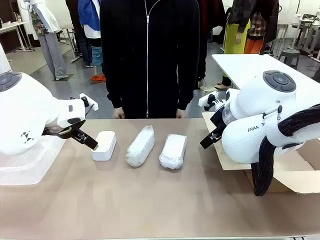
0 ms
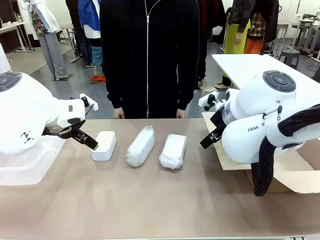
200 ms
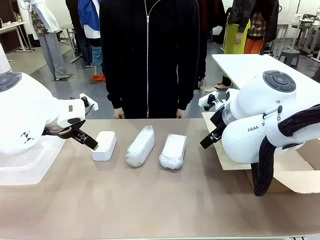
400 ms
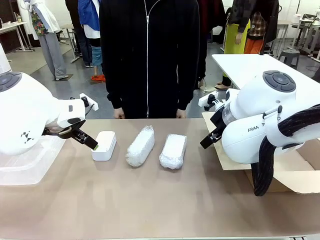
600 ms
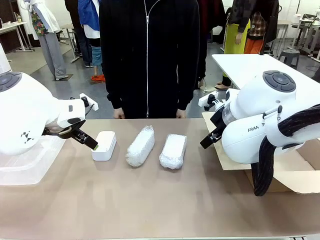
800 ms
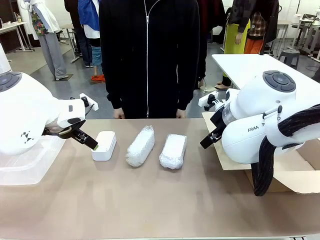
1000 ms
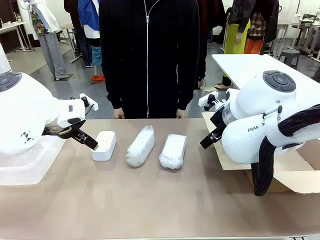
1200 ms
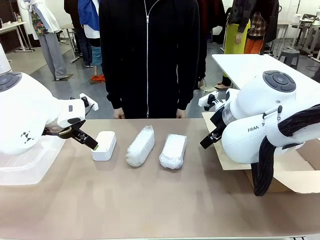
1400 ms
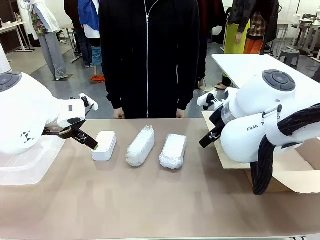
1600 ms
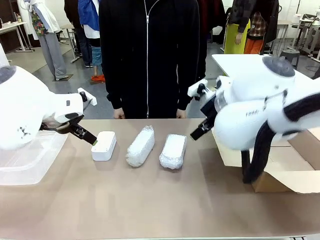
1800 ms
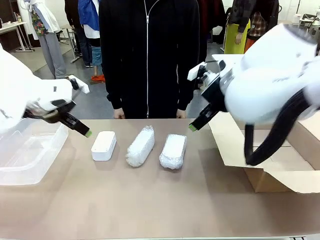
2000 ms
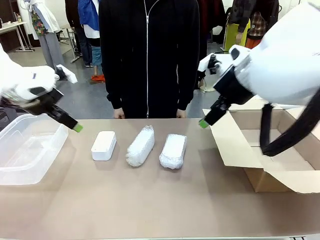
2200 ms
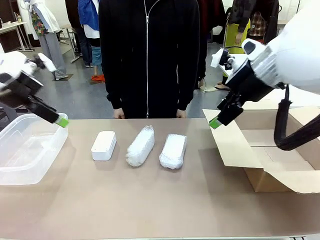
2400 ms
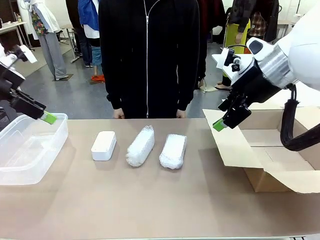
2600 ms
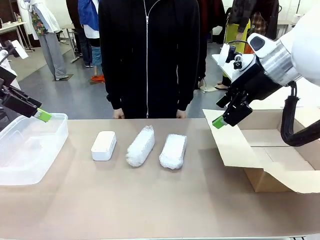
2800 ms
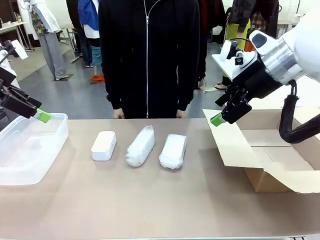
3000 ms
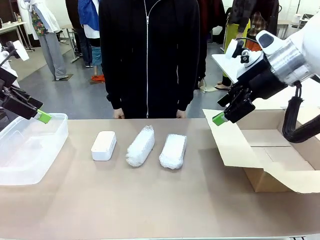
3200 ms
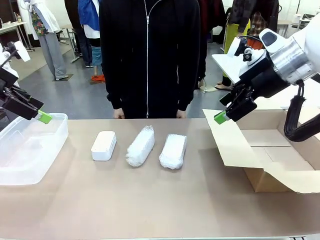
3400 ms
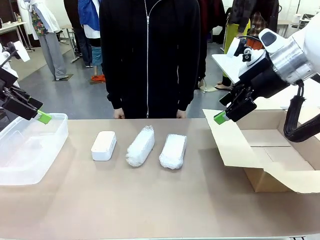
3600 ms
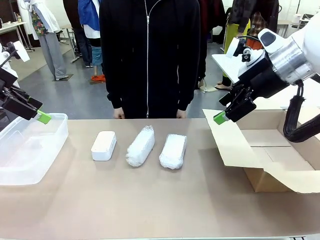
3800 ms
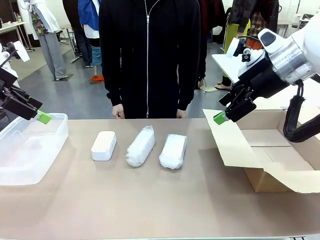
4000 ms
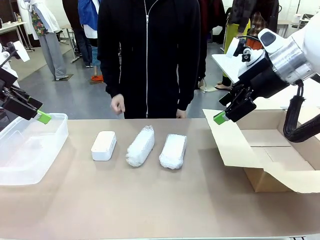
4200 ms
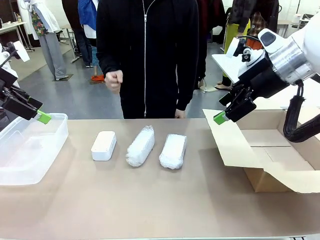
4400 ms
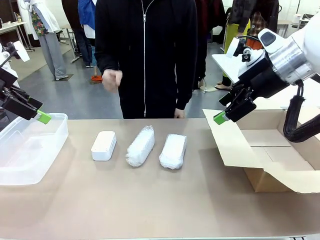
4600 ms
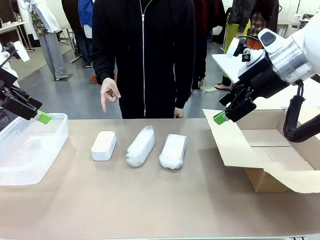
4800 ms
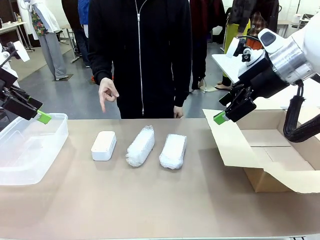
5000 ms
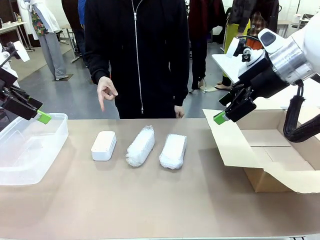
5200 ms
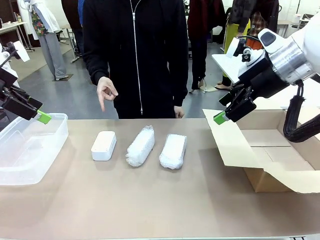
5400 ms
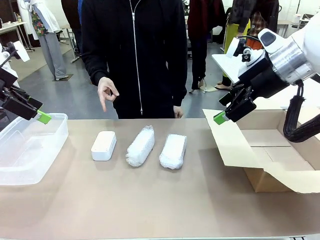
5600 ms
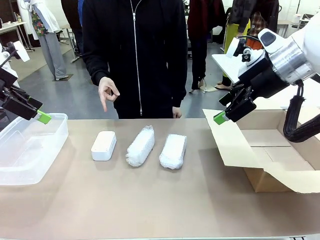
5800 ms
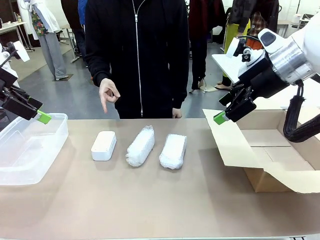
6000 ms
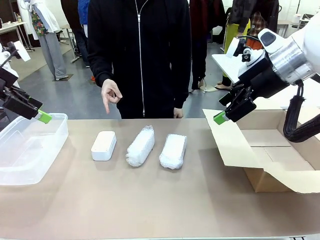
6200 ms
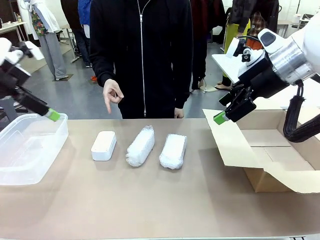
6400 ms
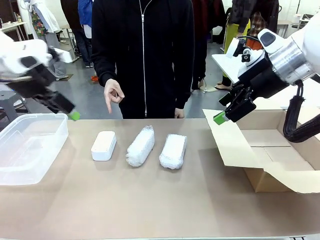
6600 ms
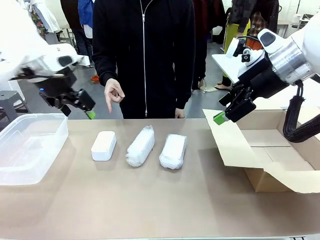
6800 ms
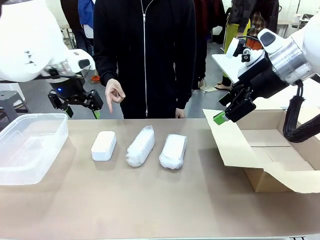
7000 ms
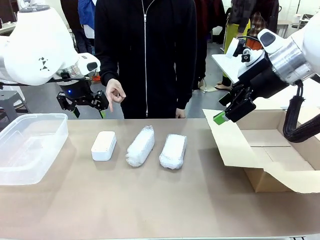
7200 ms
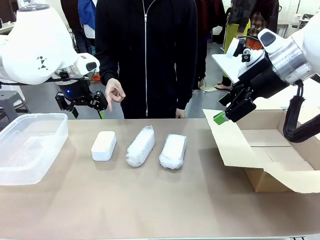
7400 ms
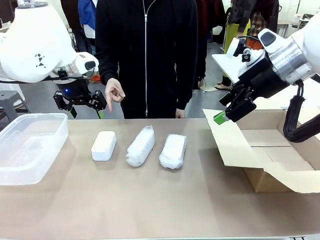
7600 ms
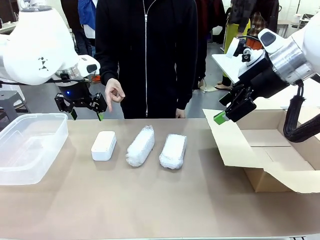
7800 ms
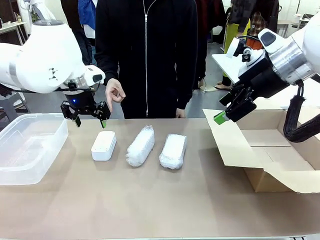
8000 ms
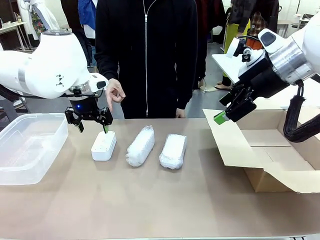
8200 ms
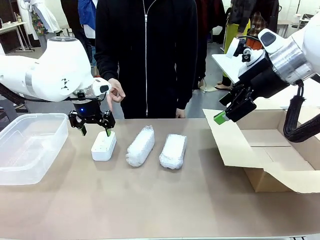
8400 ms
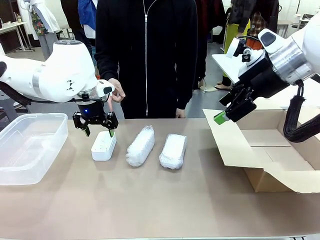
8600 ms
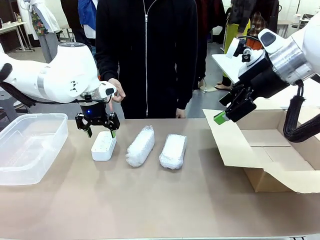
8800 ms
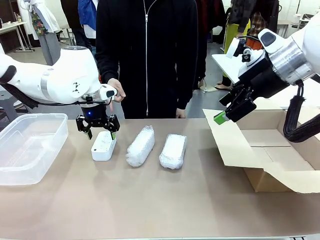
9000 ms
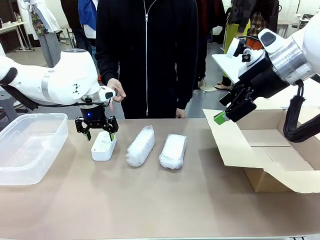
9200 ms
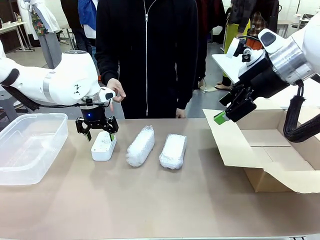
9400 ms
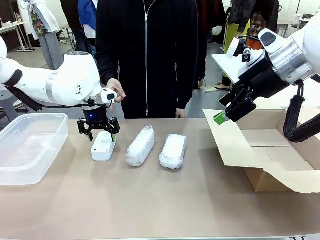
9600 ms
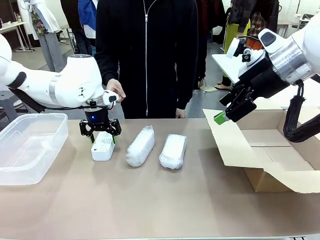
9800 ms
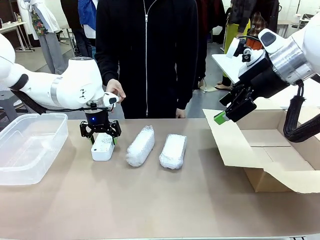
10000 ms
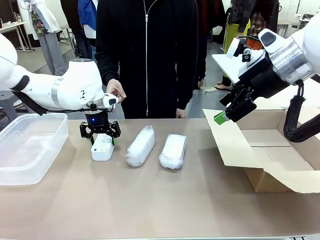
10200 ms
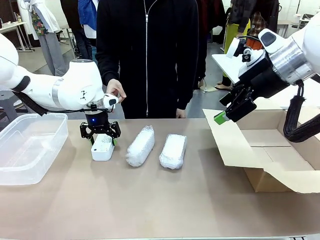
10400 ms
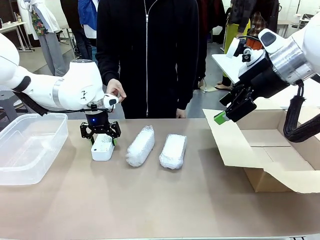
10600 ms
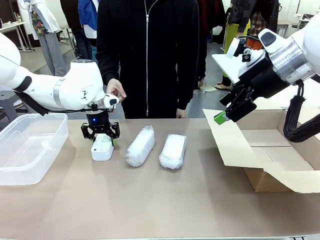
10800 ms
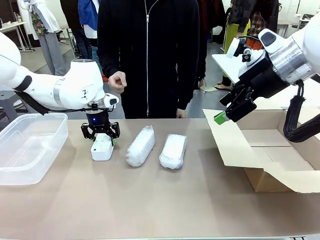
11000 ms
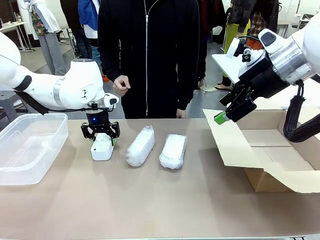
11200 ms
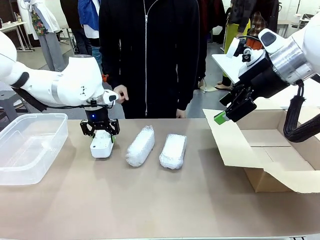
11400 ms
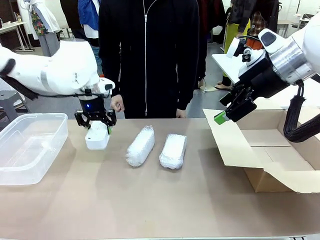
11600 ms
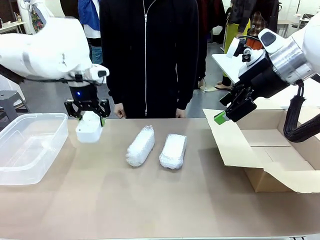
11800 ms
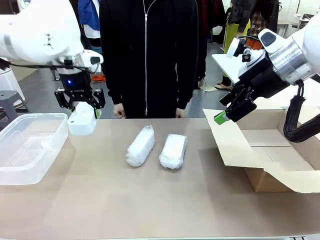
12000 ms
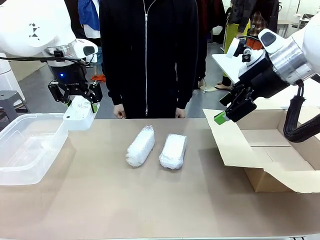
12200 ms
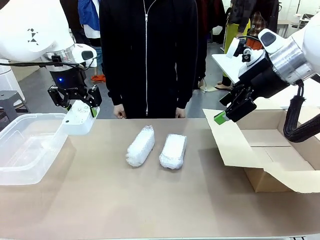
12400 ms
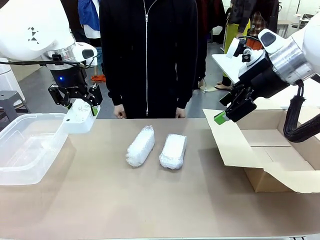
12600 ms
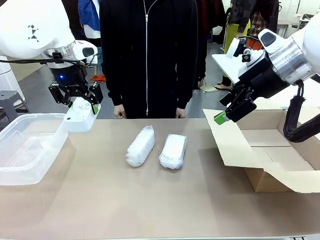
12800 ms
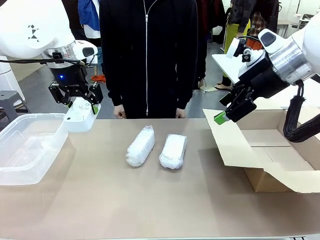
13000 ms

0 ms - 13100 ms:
Task: Separate and place wrapped and unwrapped clocks.
Robot: Pick up the Digital clock indicated by the person.

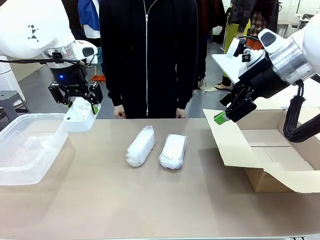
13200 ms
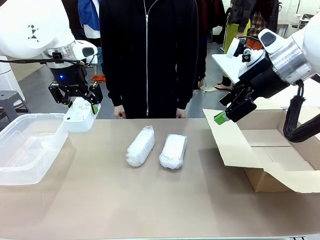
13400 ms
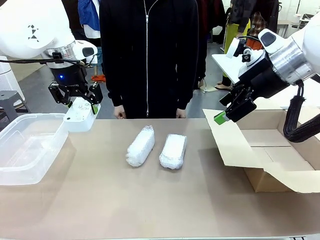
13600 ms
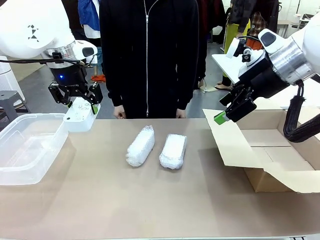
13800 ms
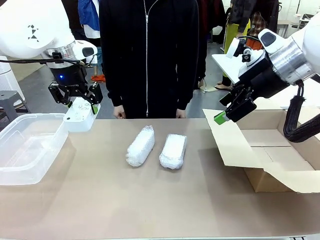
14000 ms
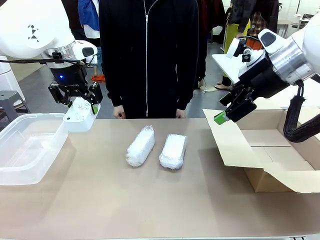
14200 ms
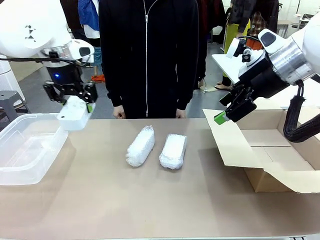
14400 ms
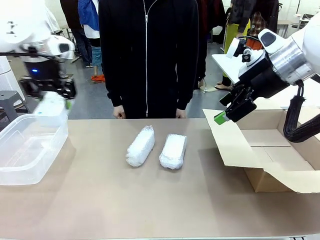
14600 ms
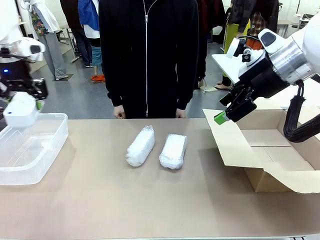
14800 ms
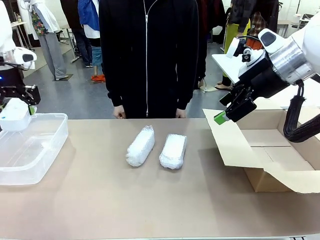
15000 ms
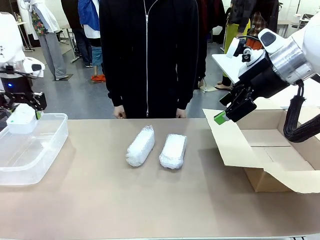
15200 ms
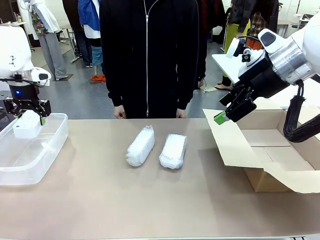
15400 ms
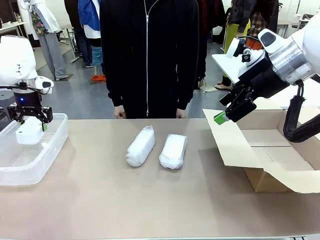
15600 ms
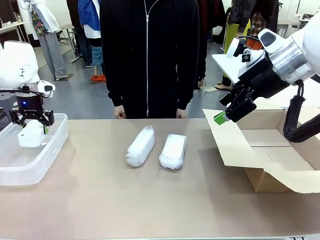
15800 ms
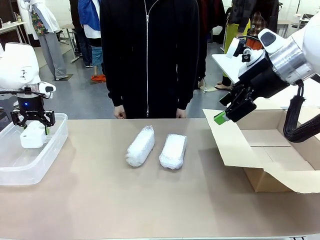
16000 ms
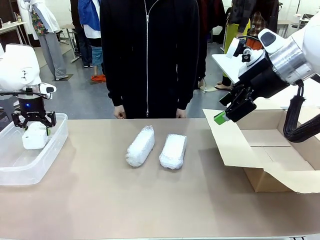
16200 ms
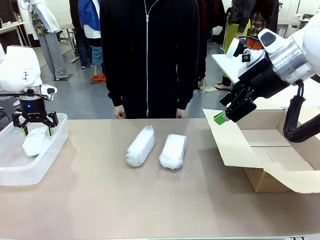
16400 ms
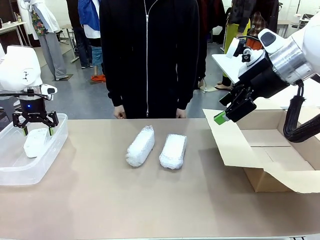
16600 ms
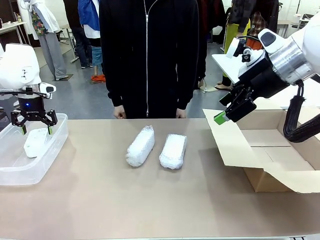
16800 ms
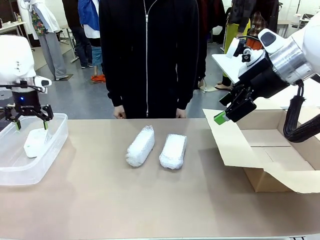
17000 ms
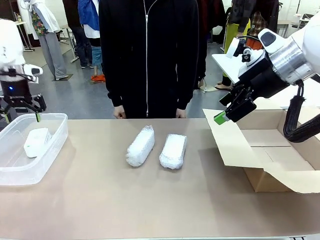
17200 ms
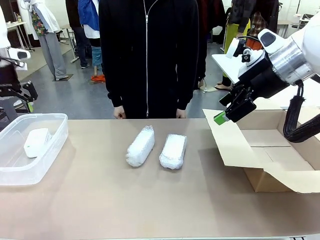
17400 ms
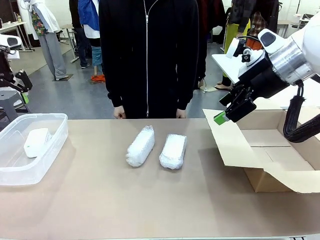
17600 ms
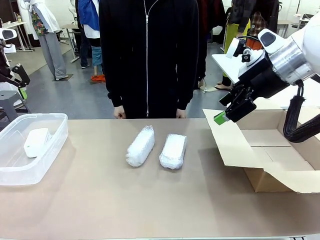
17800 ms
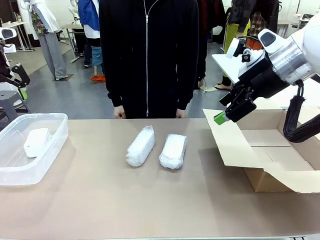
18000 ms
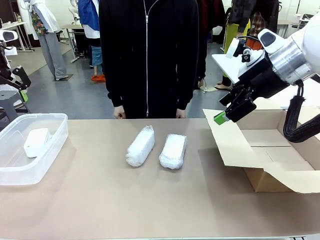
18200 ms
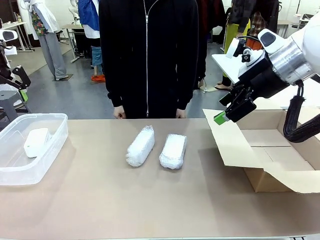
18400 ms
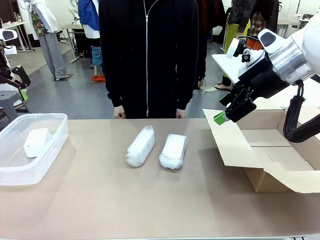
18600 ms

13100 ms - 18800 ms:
Robot: If the picked Digital clock is wrapped, place it in the Package Box ; if not, place it in the Organizing box.
